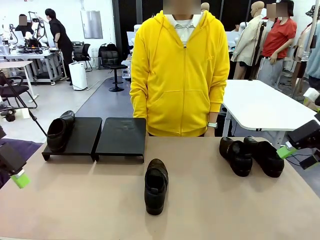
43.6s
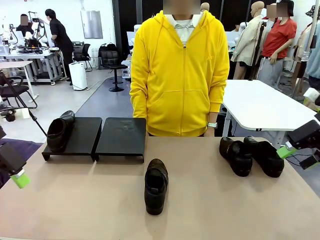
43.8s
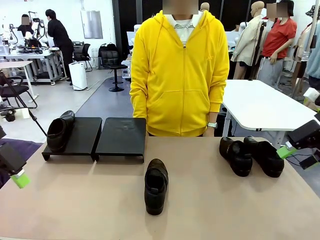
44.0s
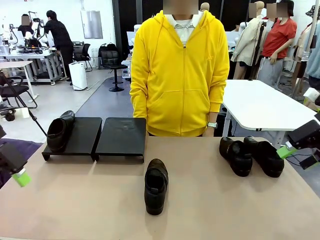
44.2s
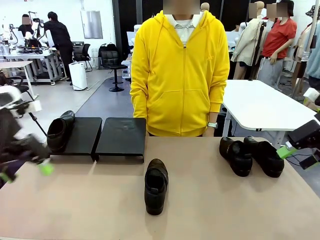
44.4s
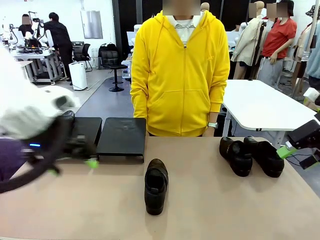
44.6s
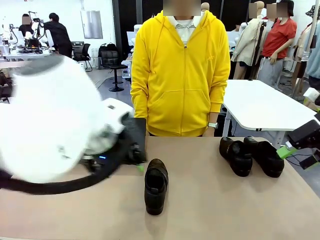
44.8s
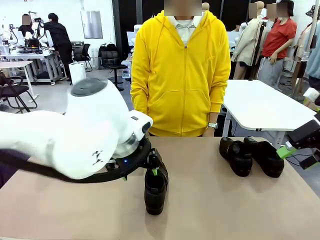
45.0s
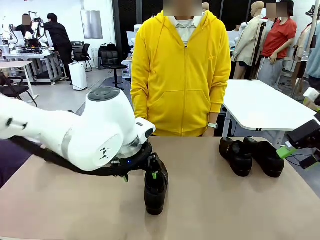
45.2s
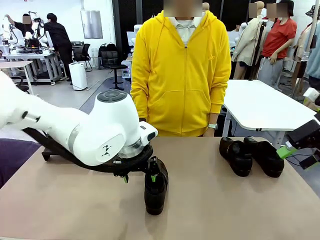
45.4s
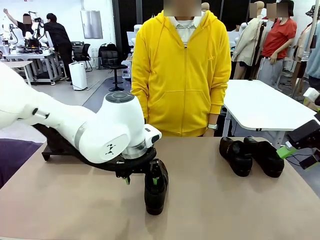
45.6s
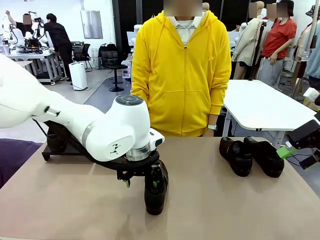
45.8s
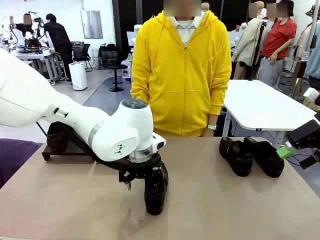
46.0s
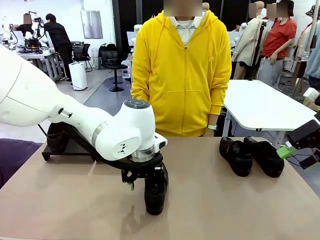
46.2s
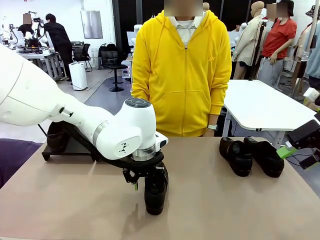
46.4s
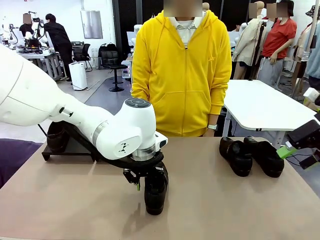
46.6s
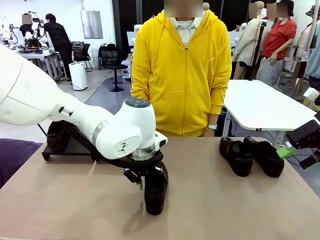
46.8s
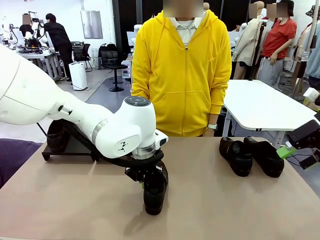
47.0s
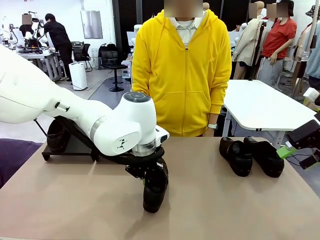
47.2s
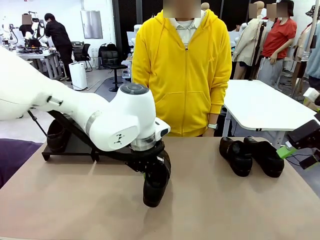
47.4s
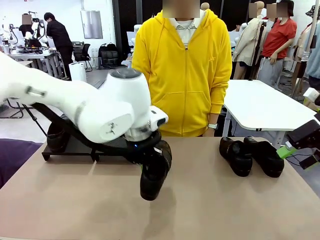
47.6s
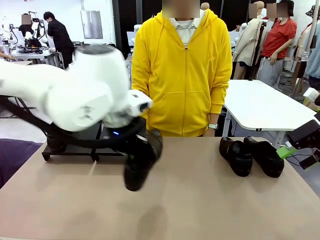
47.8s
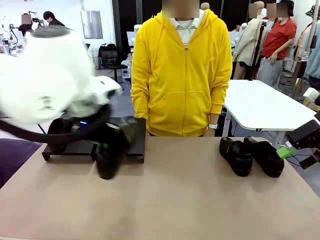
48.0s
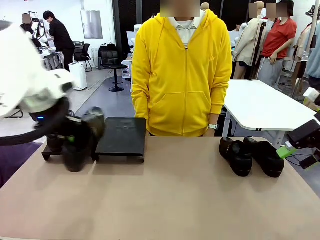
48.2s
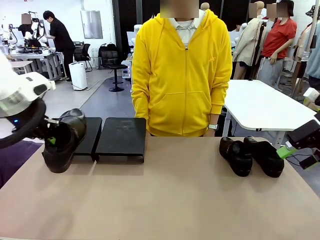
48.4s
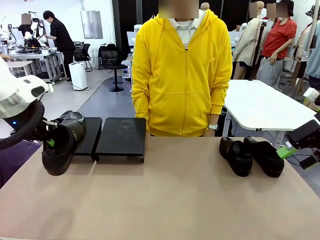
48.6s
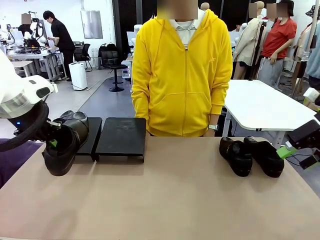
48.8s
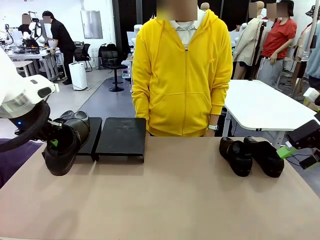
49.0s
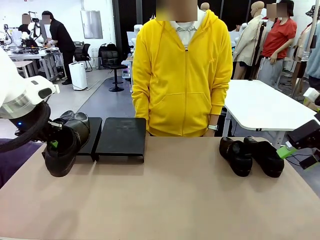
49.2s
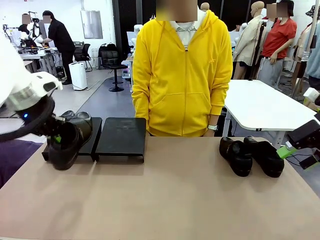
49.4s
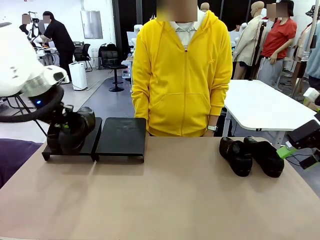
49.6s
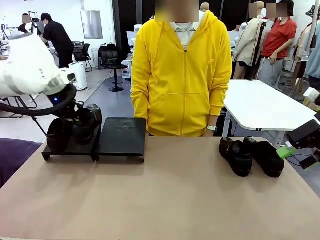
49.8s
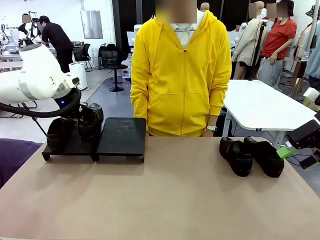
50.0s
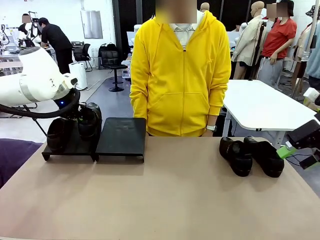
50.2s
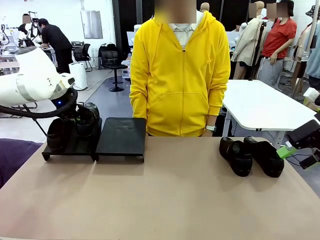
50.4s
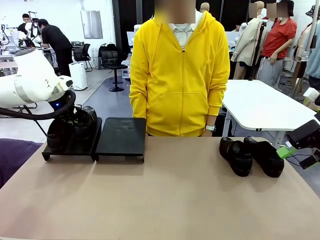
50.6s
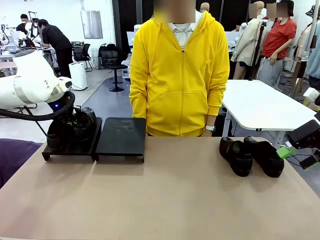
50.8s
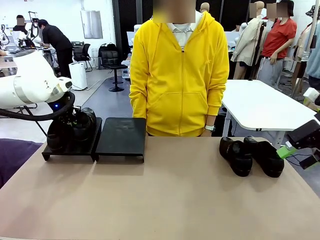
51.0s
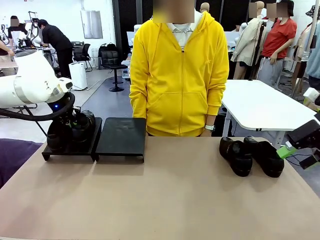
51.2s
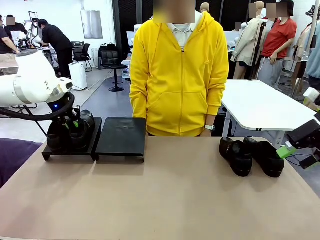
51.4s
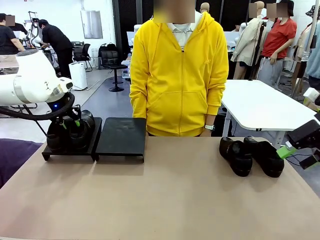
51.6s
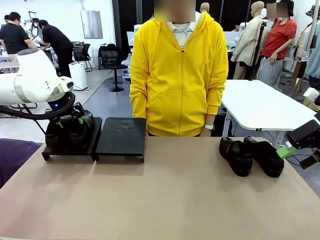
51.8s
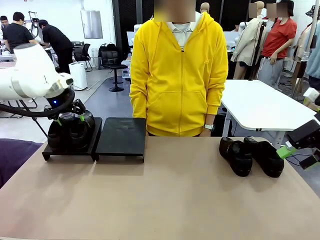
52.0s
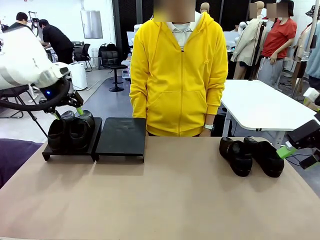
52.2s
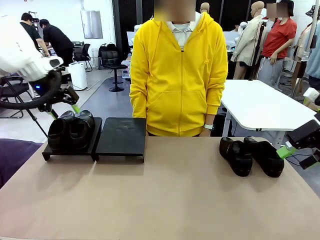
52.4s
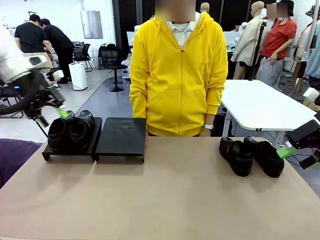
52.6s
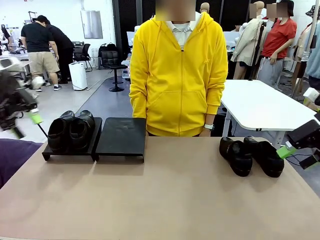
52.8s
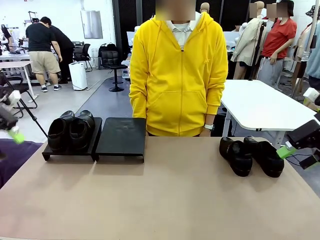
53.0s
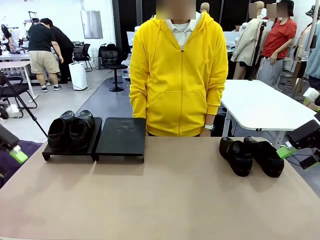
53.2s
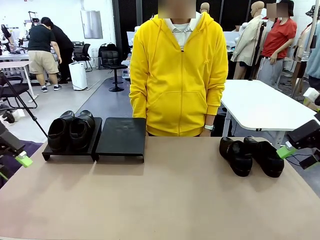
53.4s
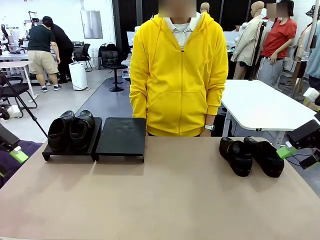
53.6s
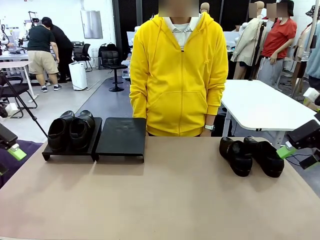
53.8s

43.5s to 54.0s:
Task: Organize the shoes by placing them on the stand.
Robot: Place the Shoe from the middle of the table onto the Shoes Stand.

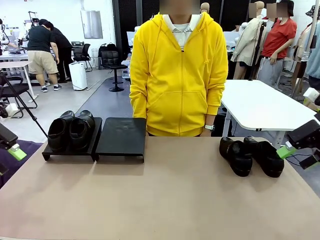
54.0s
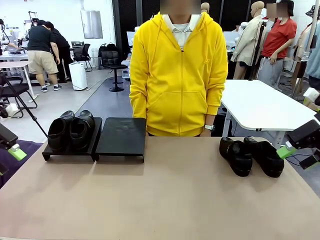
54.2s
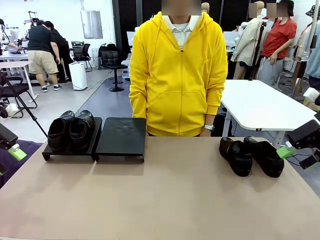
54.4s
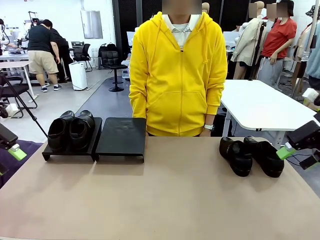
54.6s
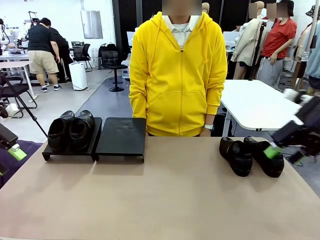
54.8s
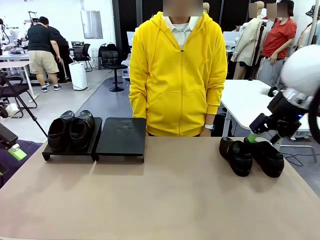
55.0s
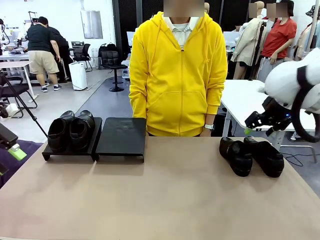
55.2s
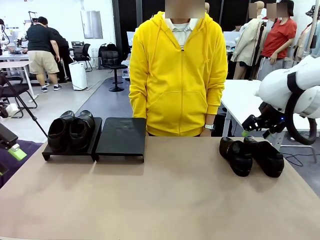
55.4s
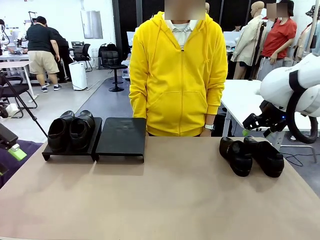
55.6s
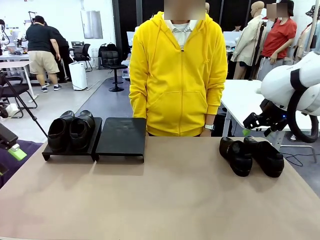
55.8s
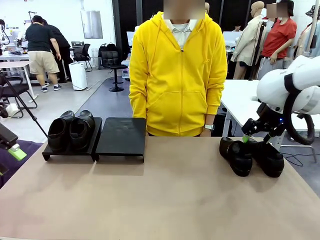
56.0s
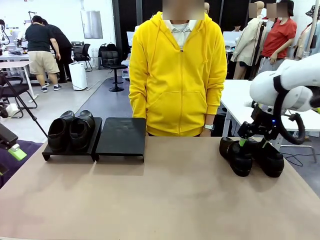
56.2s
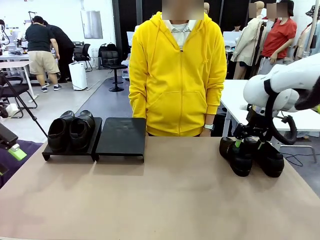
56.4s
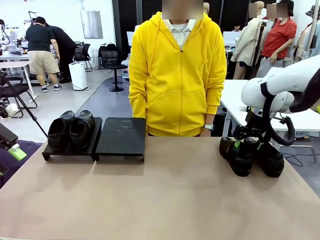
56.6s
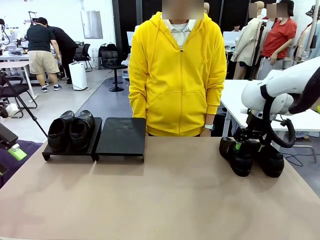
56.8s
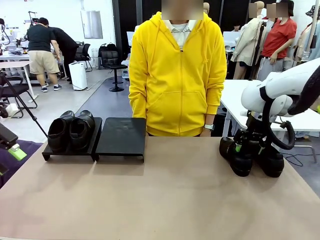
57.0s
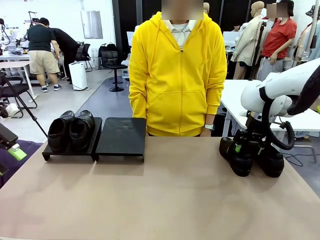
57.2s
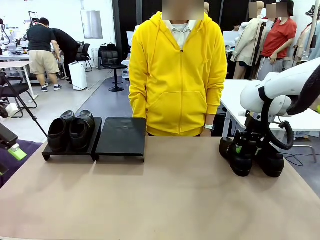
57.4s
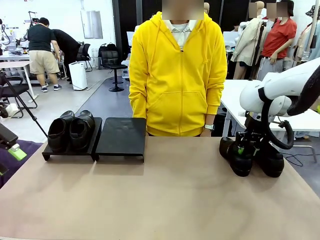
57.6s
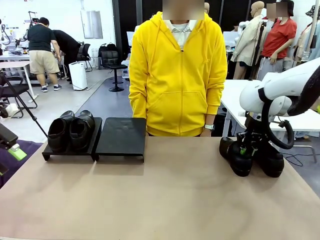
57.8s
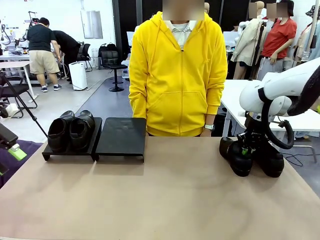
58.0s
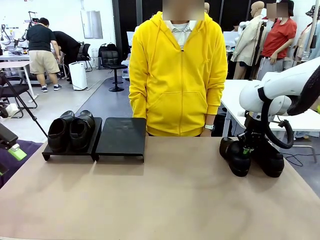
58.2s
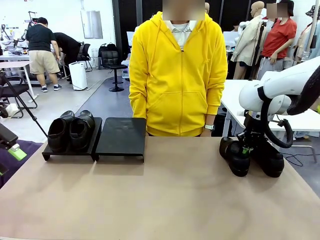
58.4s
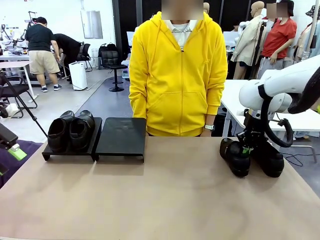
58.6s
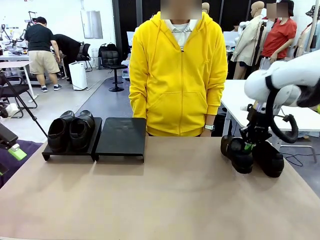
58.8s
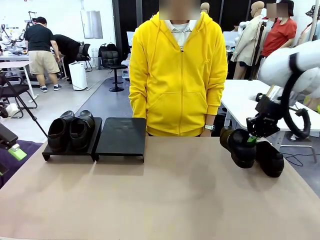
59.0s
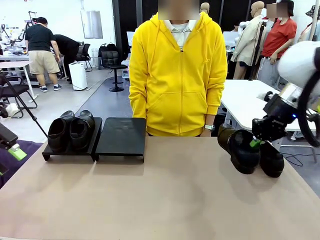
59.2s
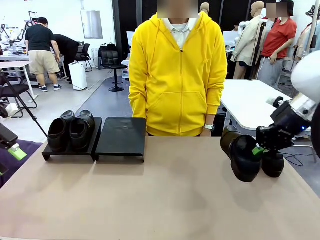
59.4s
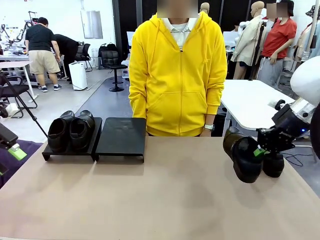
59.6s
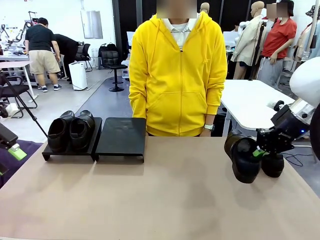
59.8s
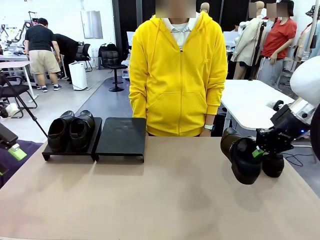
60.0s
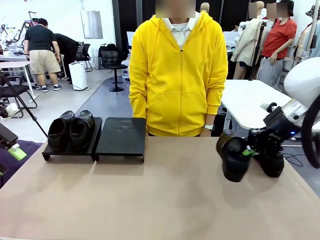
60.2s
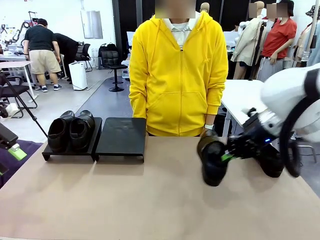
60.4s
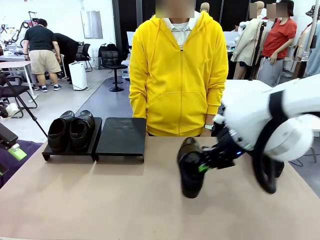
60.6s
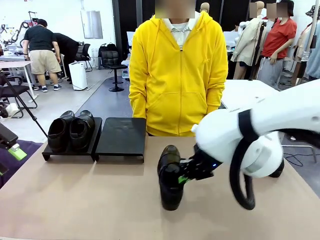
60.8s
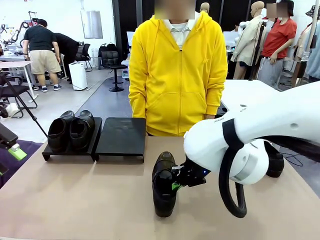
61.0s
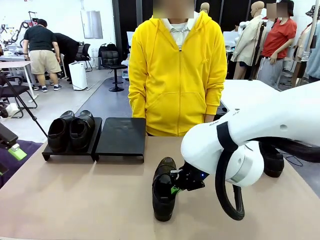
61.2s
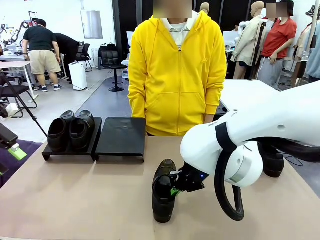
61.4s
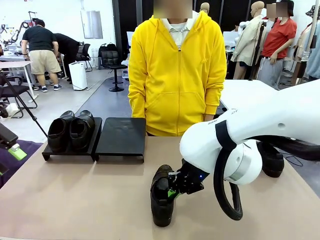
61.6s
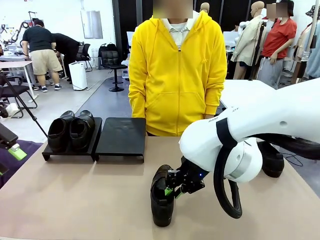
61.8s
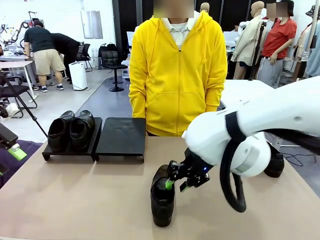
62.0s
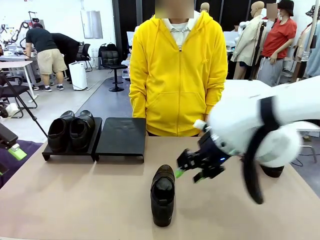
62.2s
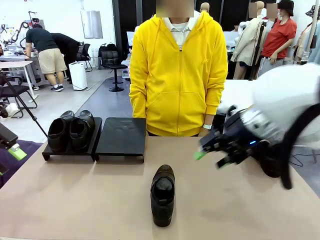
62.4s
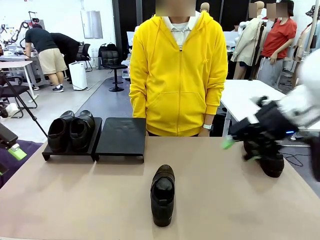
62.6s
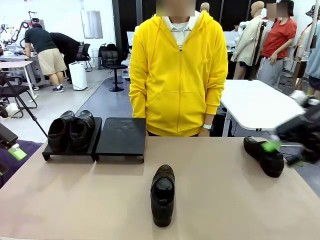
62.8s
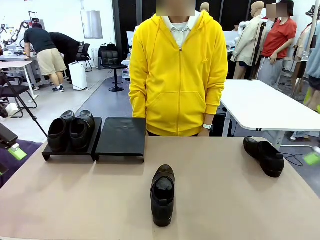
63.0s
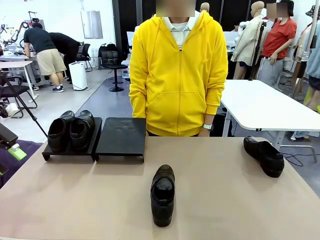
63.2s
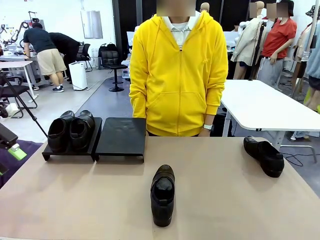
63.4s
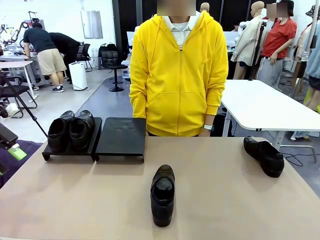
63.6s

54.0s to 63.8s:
Robot: Pick up one Shoe and place it in the middle of the table.
